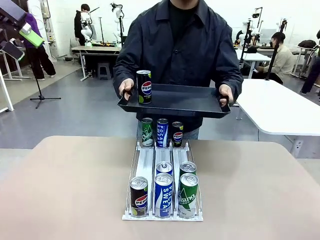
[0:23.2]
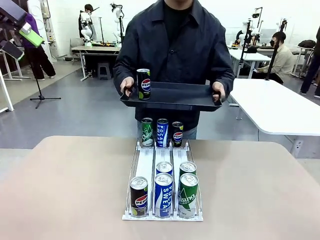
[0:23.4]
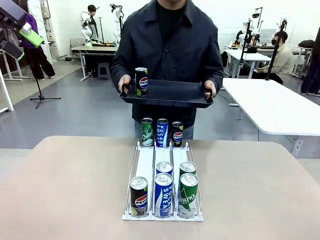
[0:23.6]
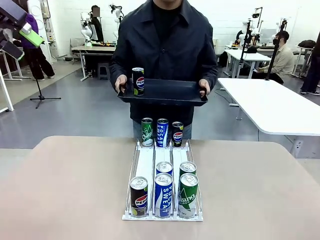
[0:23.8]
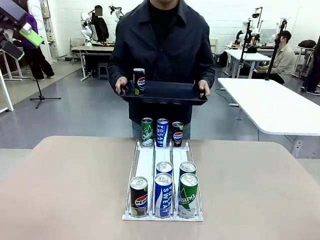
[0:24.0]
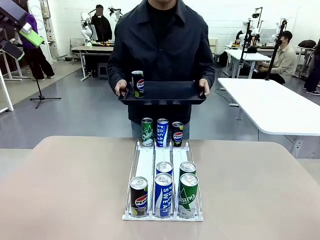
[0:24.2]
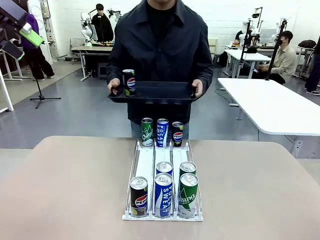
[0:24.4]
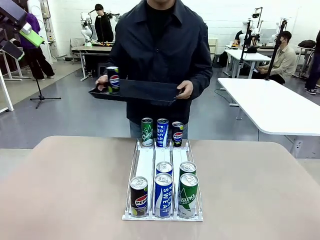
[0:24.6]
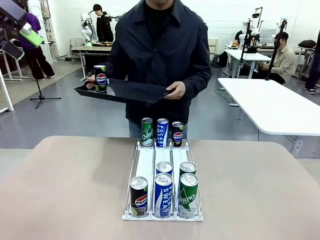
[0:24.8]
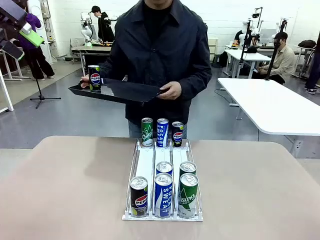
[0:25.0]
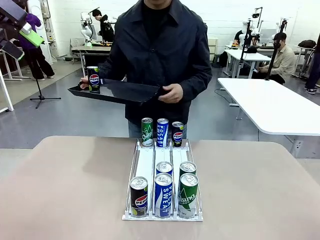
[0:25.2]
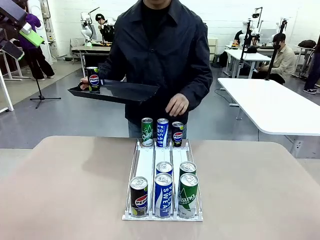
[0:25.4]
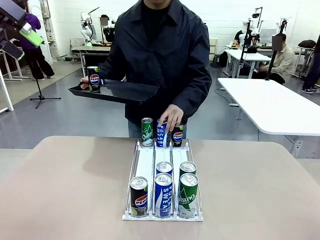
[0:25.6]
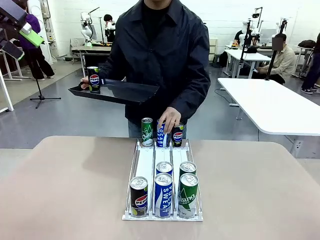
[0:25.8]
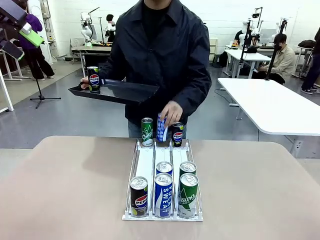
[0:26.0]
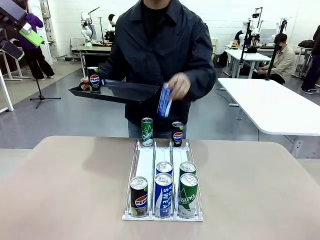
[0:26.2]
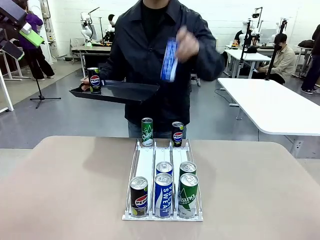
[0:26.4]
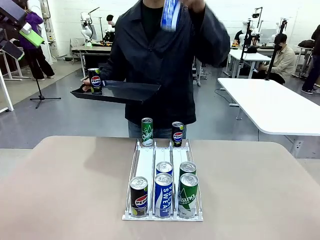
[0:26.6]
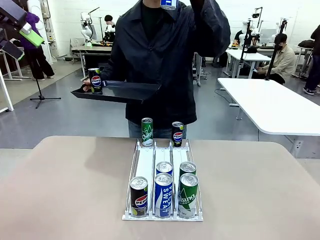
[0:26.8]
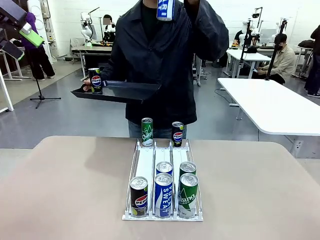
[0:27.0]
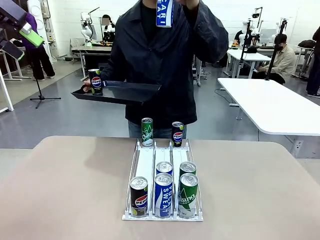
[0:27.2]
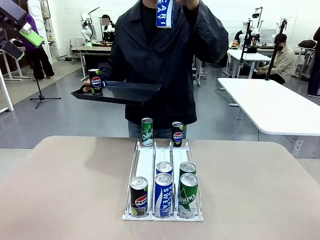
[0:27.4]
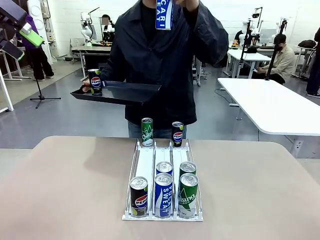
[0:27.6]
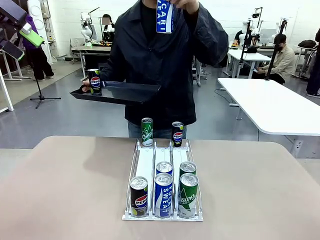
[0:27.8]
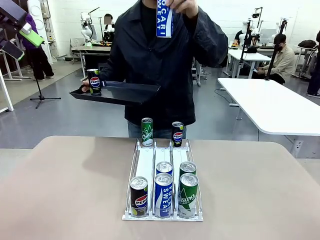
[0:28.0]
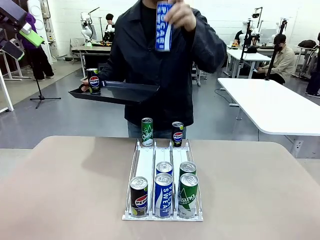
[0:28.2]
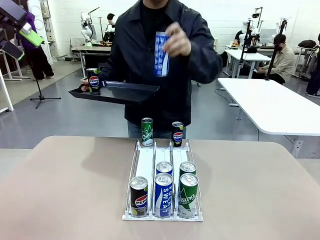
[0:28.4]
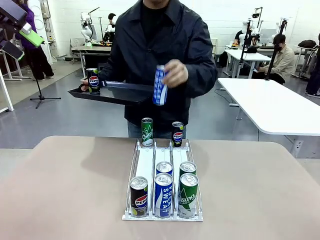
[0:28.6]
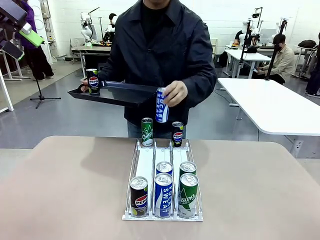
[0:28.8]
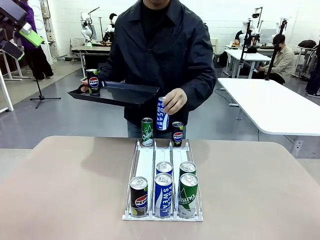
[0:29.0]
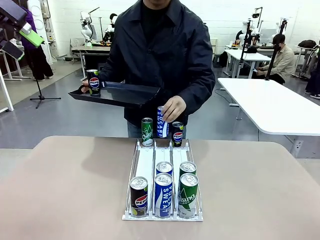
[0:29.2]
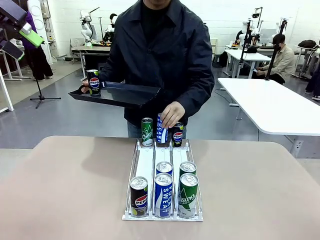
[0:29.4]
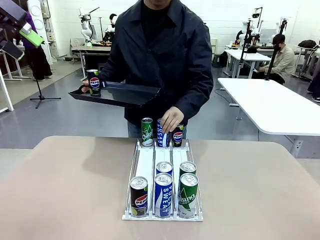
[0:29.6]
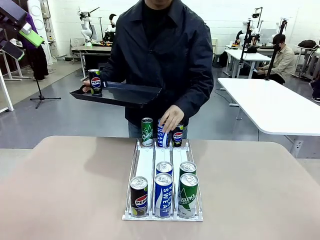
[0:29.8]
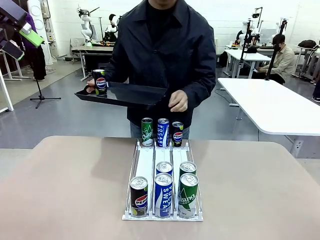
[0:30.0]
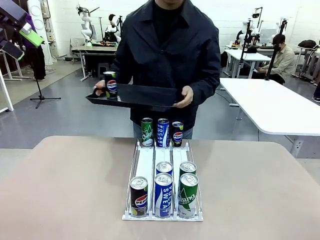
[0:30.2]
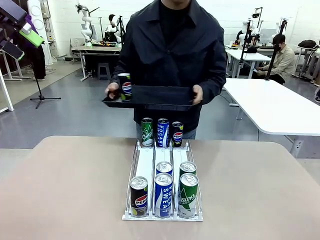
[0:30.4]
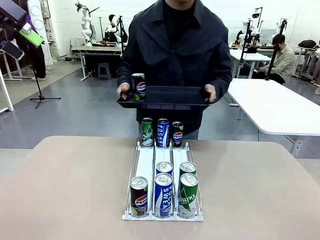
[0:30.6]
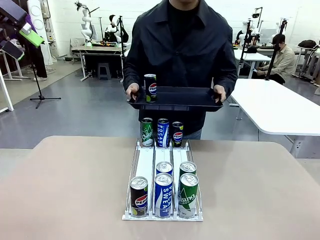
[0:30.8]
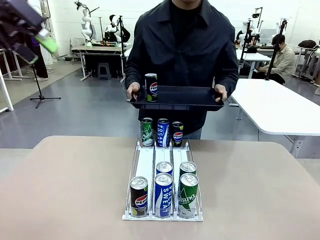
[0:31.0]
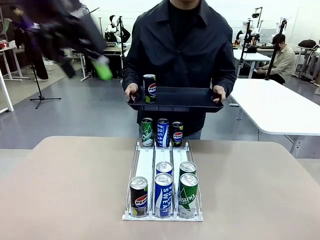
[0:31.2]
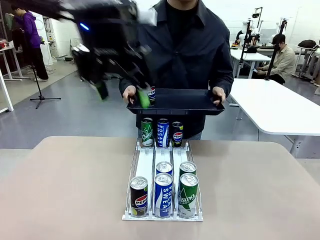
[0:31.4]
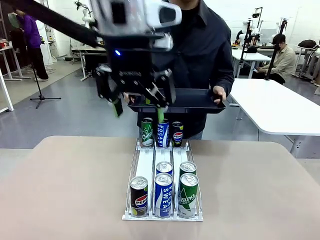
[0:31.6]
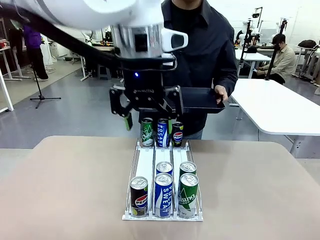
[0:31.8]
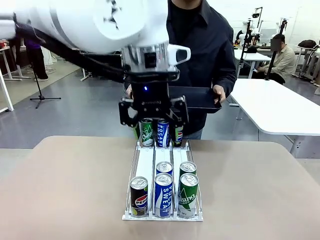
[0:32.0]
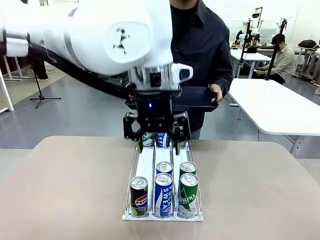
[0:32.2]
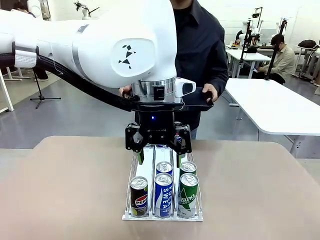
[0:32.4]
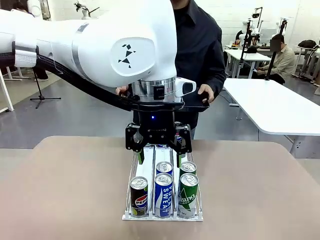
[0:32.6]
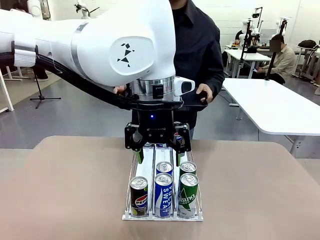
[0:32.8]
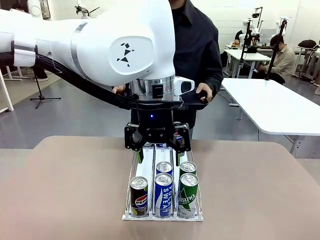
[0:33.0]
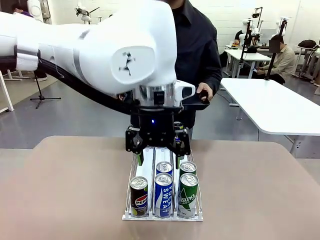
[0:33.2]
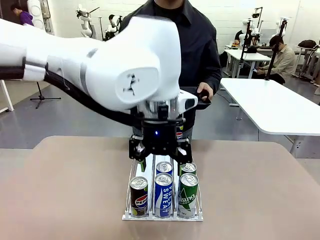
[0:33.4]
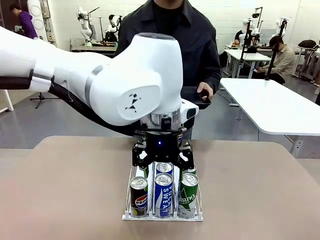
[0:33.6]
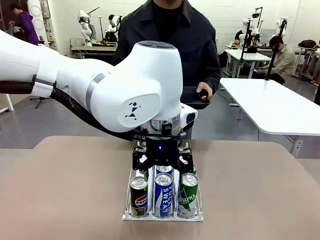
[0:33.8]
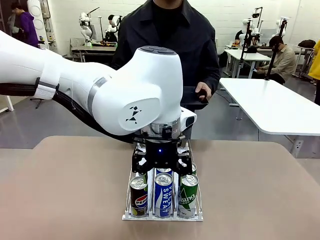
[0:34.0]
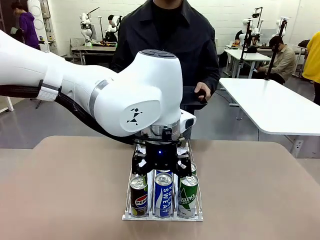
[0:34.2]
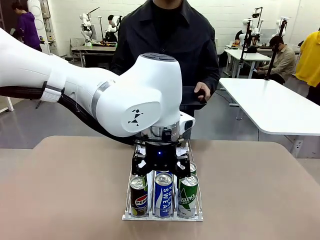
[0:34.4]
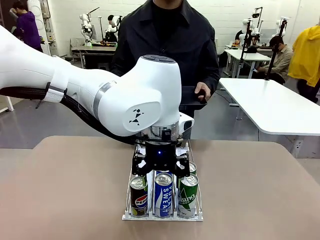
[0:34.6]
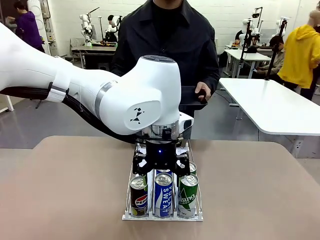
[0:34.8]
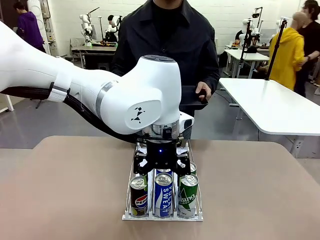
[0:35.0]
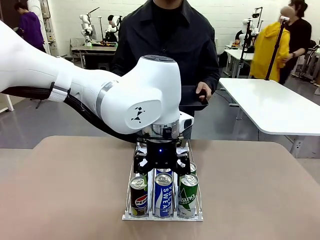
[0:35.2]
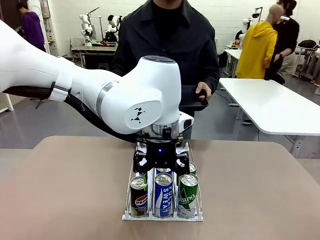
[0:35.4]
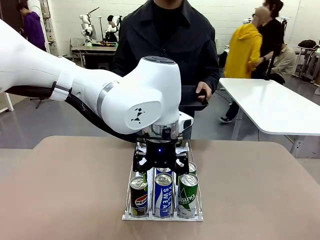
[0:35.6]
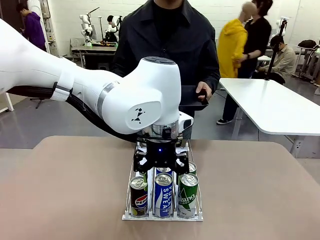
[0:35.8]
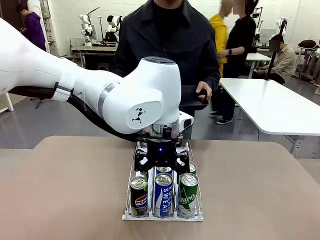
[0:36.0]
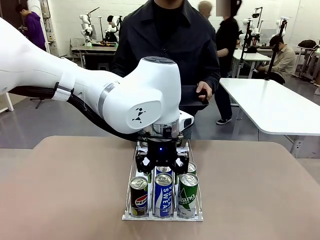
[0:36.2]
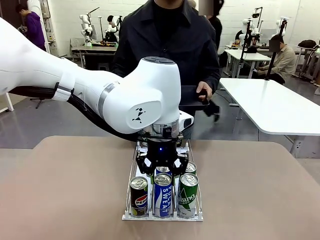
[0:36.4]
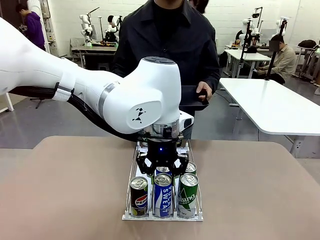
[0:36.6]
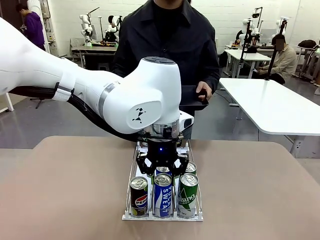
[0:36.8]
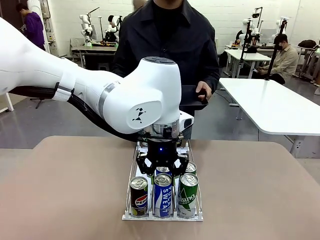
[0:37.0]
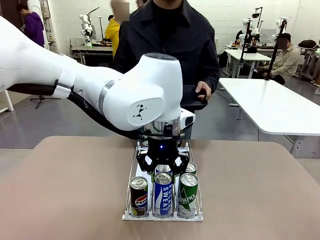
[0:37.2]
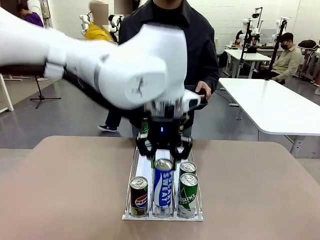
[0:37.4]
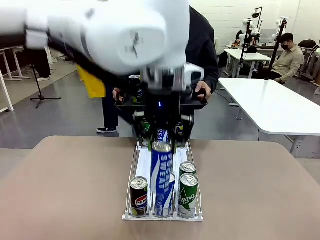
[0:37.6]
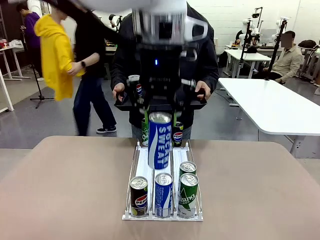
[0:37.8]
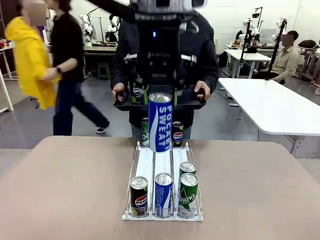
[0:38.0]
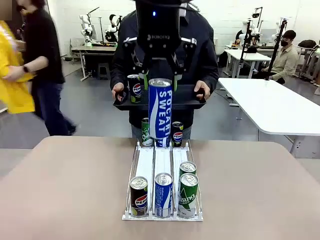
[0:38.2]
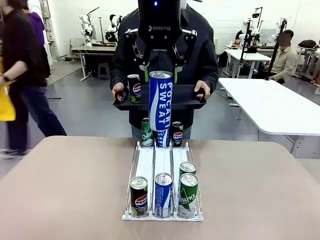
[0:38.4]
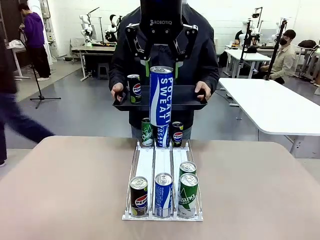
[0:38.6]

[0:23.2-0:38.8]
Task: Retrieve and hand over the desired beverage to the person.
Robot: Pick up another can of the same type that the person held from the Automatic Can Dispenser.
Person: Pull the tray back, then pick up another can from the bottom area of the table and puts it back in its original place. Push the tray toward the robot again.

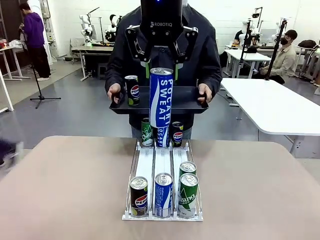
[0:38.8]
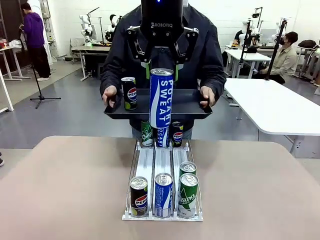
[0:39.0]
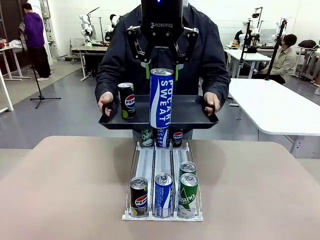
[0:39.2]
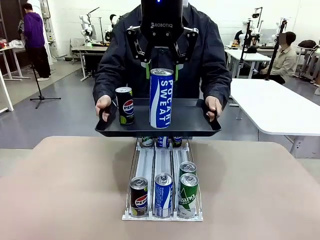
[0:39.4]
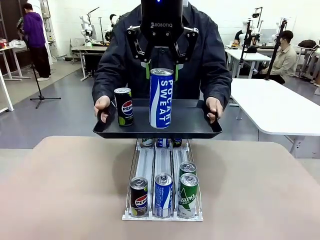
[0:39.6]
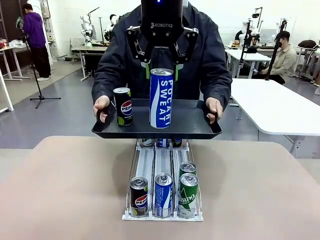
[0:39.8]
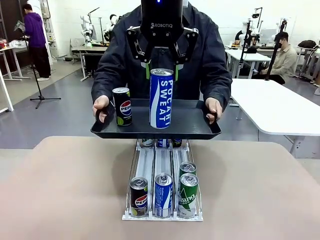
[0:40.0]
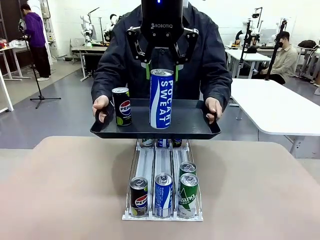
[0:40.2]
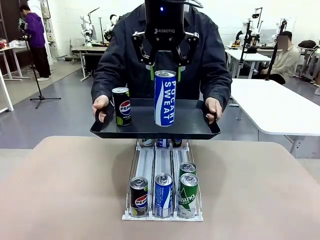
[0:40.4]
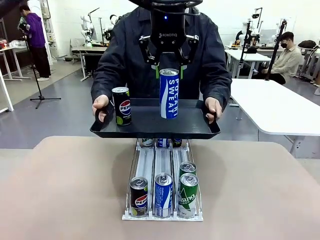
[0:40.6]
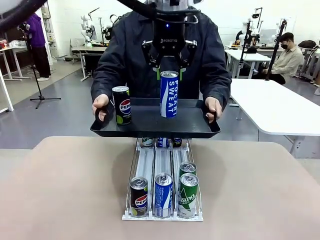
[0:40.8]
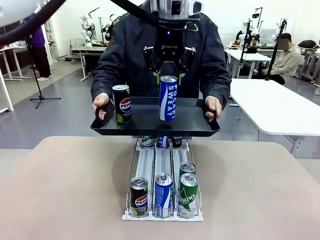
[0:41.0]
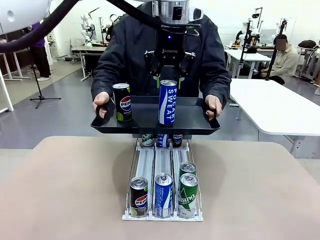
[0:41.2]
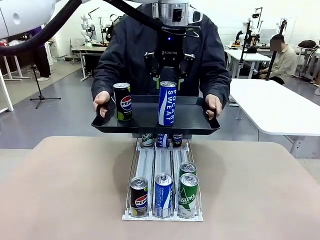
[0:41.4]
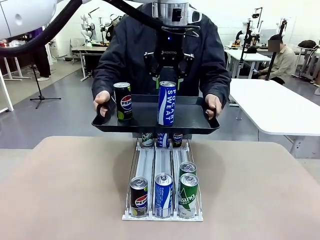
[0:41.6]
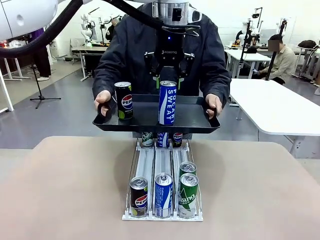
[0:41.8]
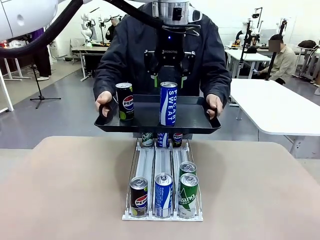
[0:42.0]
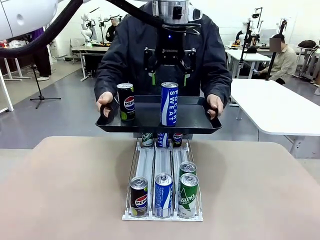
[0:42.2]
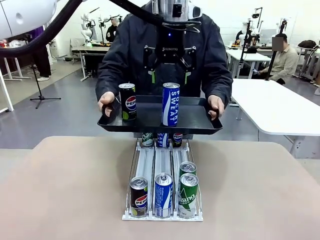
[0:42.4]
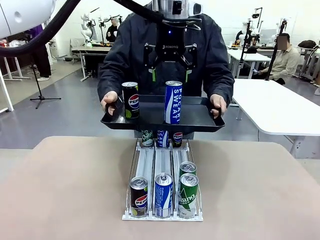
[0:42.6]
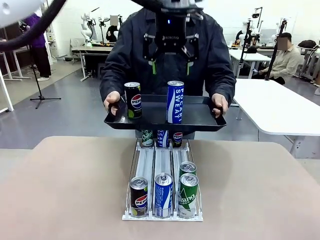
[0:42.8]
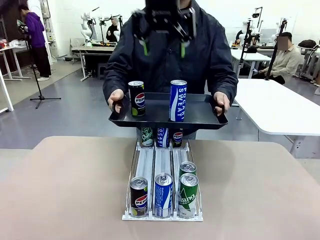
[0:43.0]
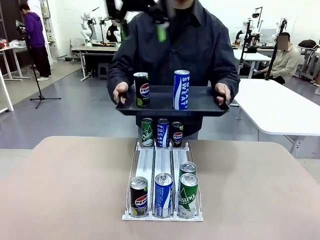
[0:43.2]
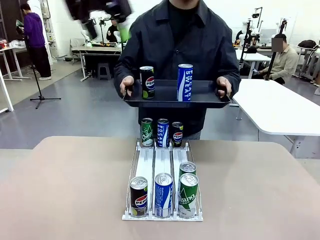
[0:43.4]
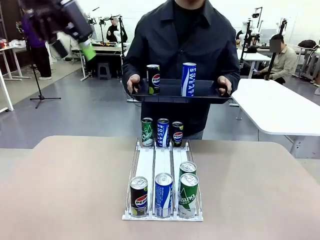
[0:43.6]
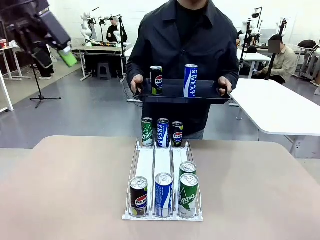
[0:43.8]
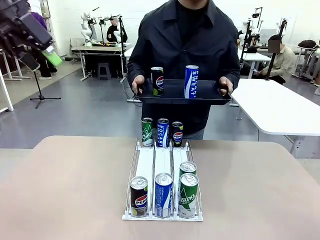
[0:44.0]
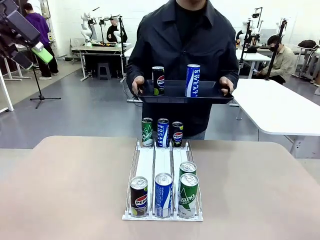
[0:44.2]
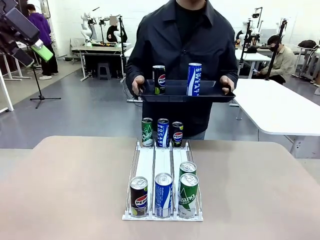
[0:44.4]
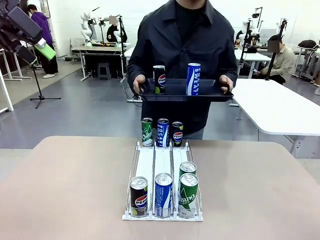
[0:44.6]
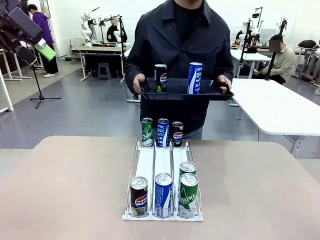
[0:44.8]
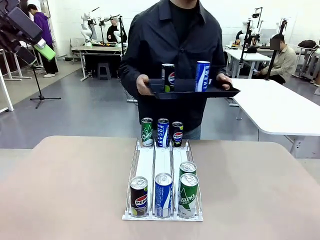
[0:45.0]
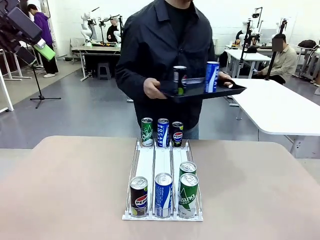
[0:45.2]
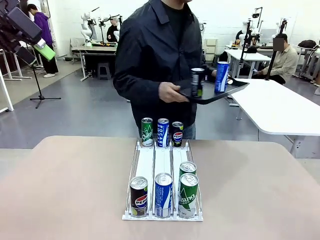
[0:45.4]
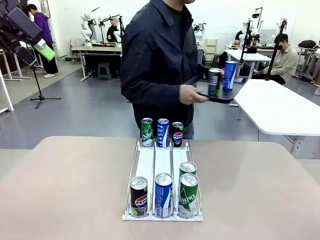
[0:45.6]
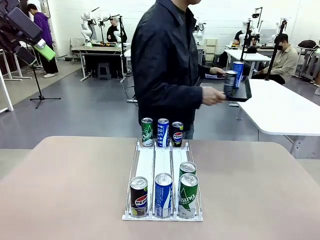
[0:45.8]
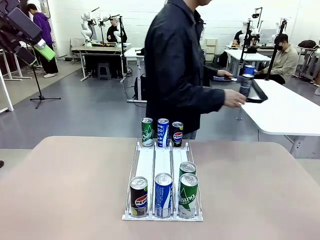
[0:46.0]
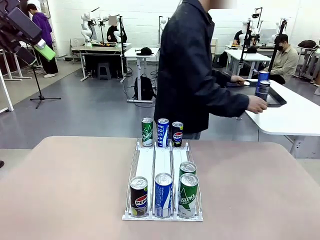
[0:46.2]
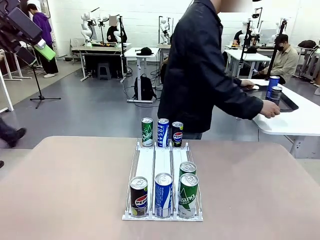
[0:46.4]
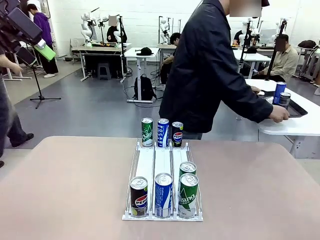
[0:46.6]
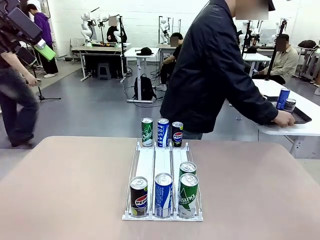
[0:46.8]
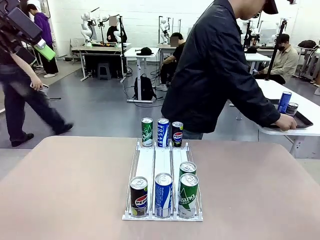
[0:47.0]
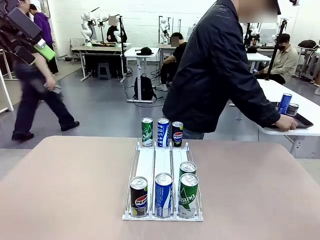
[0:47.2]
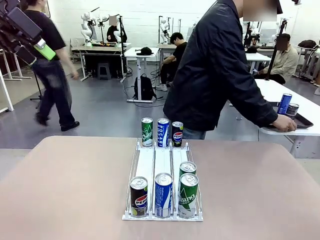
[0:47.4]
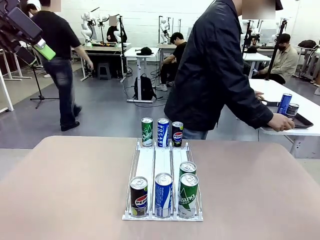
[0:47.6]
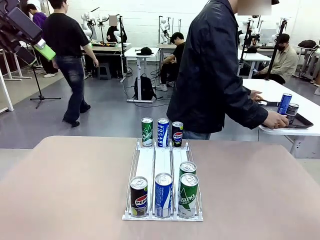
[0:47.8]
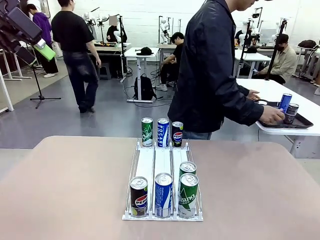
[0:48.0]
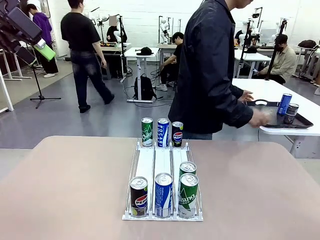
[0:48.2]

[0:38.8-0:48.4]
Robot: Place the picked can on the Handle tray extended by the person.
Person: Pull the tray back and place it at the center of the human table.
